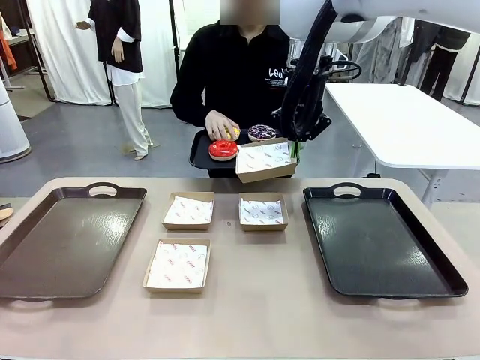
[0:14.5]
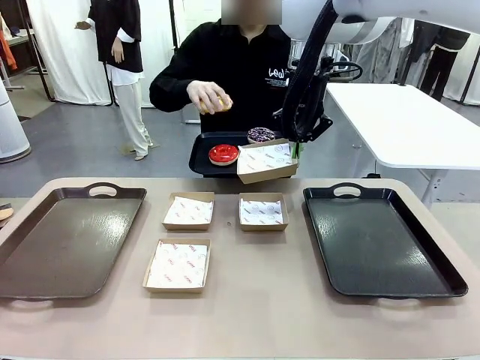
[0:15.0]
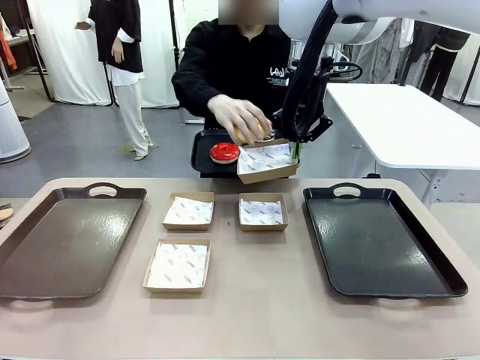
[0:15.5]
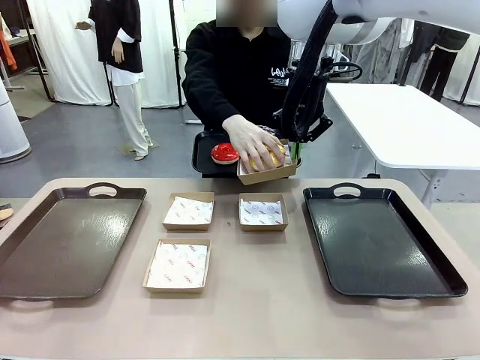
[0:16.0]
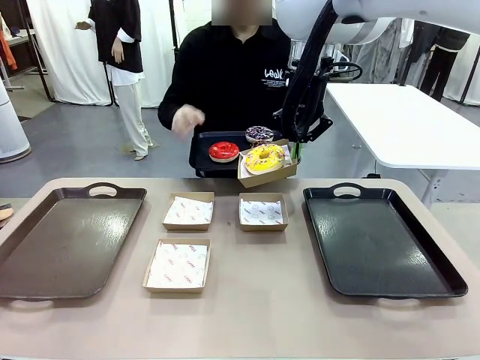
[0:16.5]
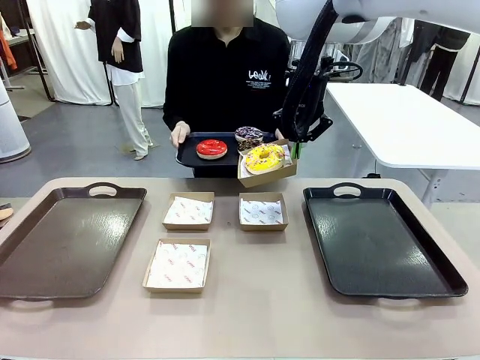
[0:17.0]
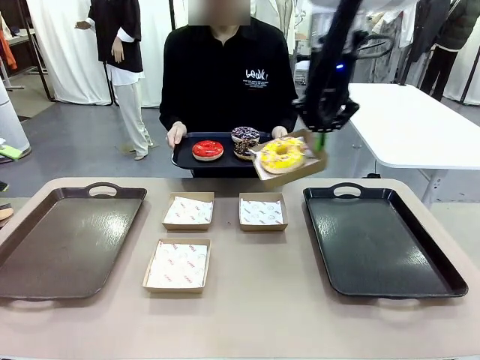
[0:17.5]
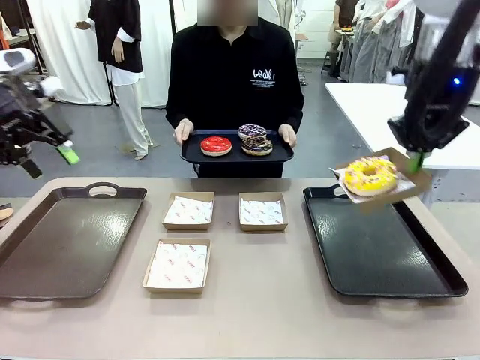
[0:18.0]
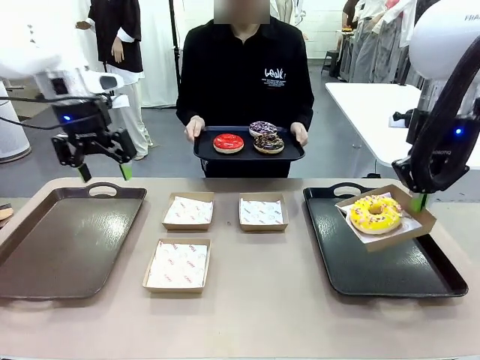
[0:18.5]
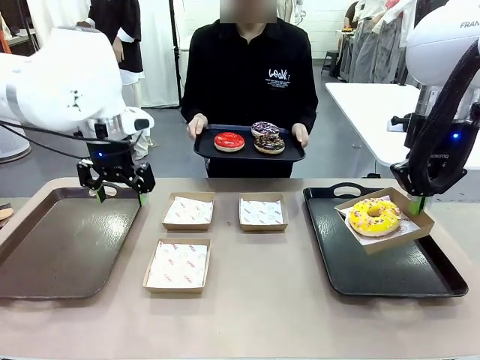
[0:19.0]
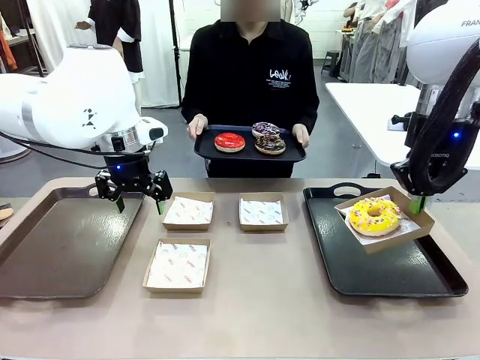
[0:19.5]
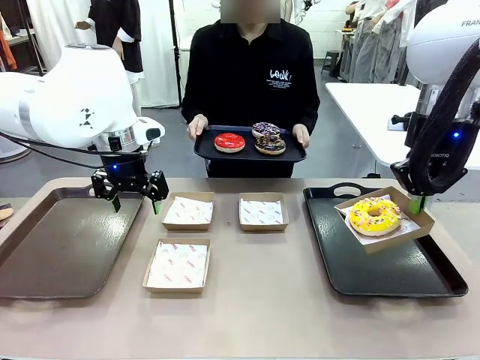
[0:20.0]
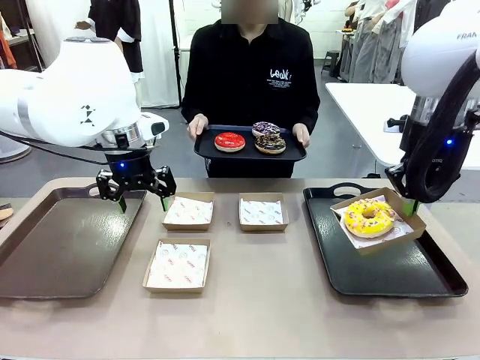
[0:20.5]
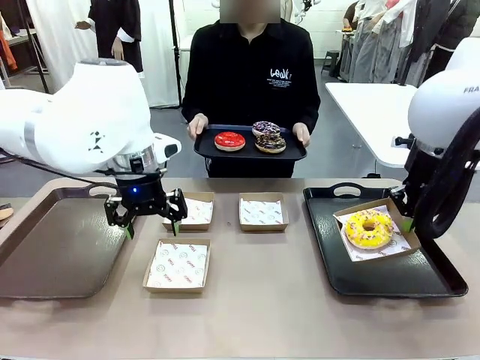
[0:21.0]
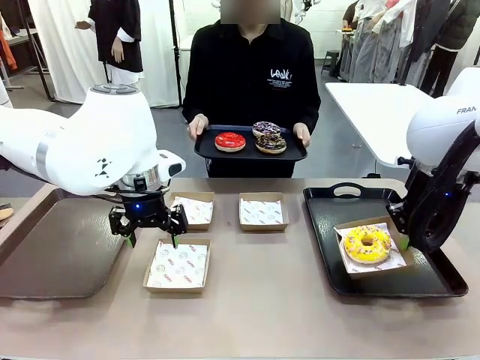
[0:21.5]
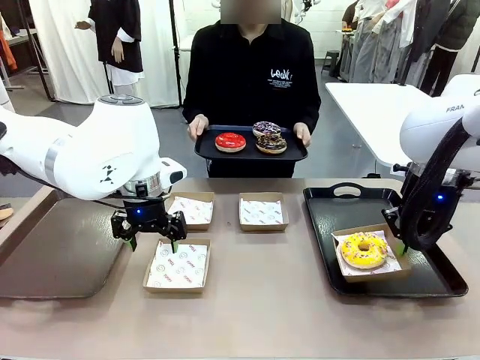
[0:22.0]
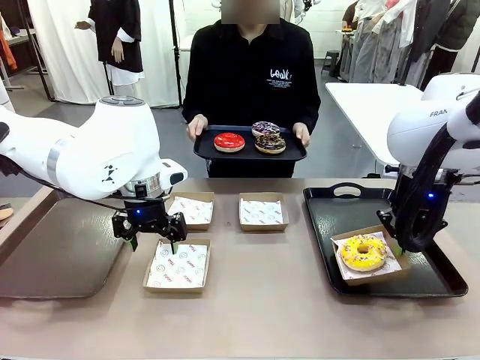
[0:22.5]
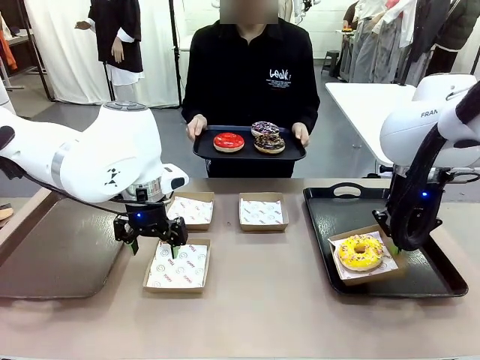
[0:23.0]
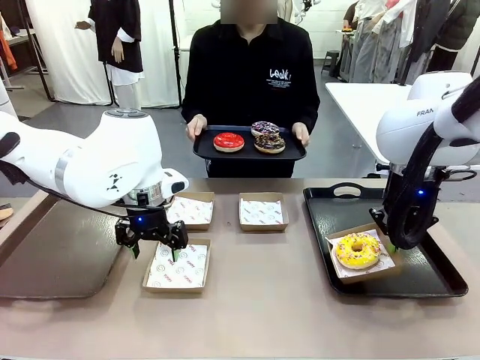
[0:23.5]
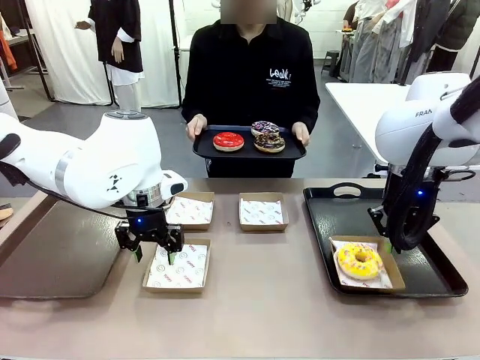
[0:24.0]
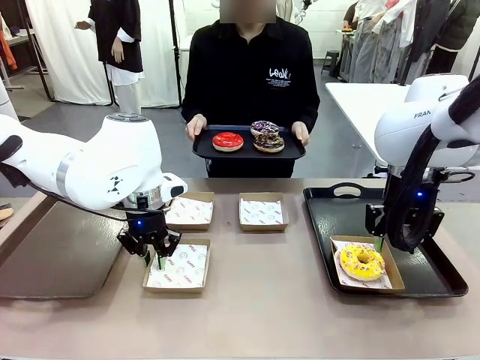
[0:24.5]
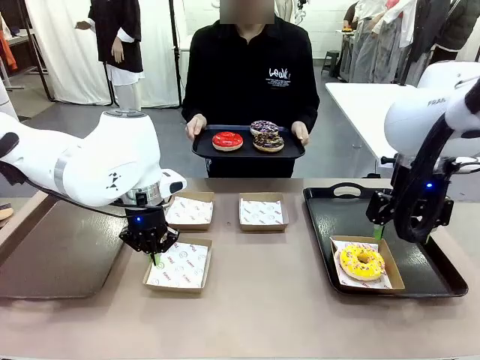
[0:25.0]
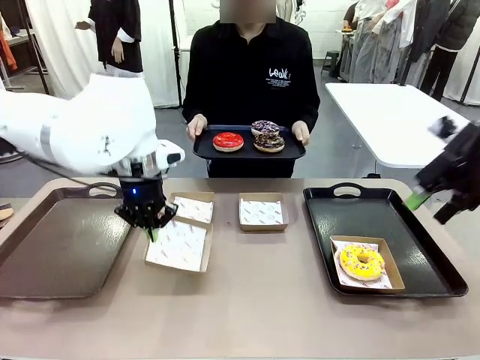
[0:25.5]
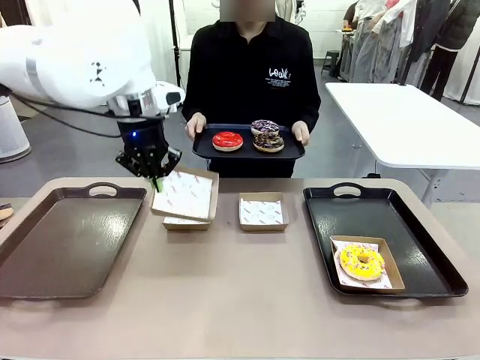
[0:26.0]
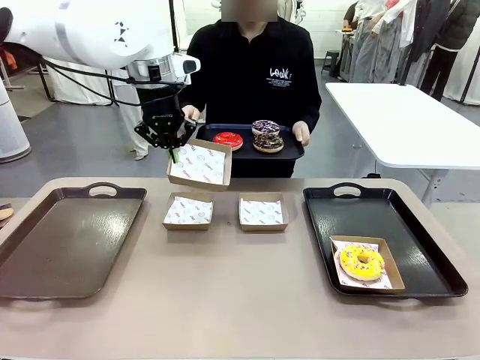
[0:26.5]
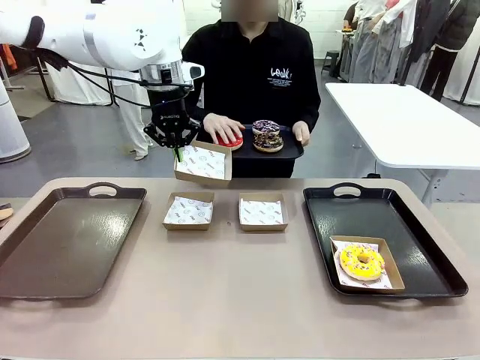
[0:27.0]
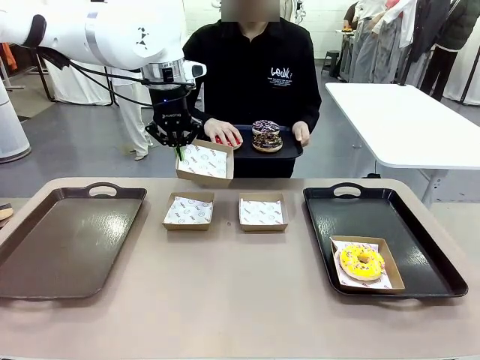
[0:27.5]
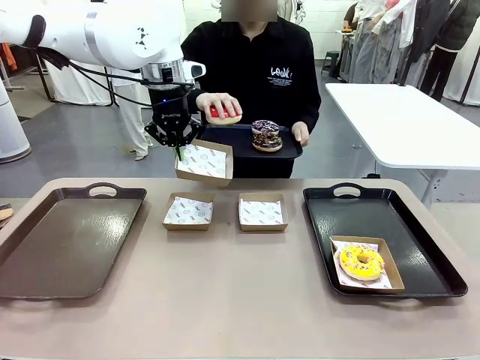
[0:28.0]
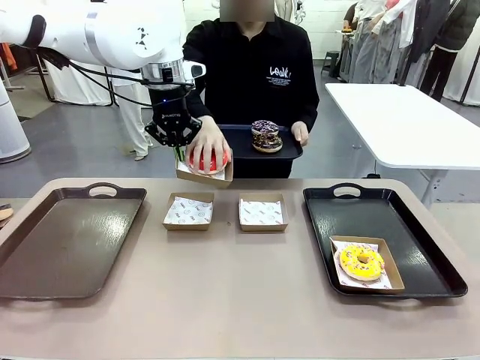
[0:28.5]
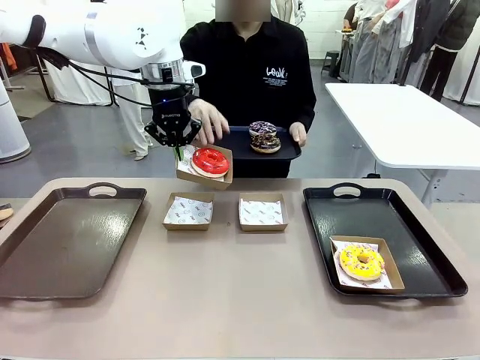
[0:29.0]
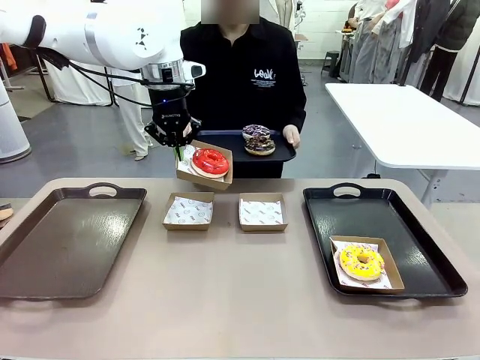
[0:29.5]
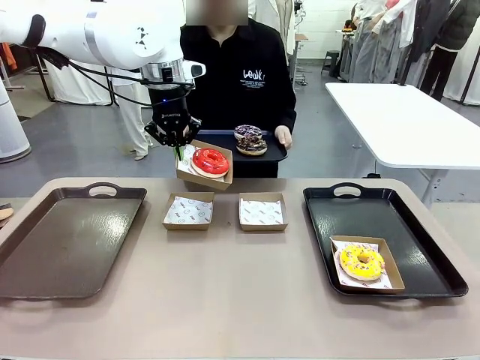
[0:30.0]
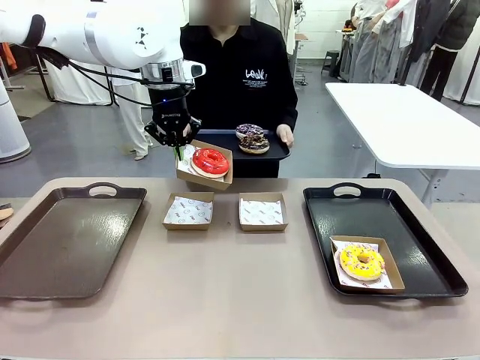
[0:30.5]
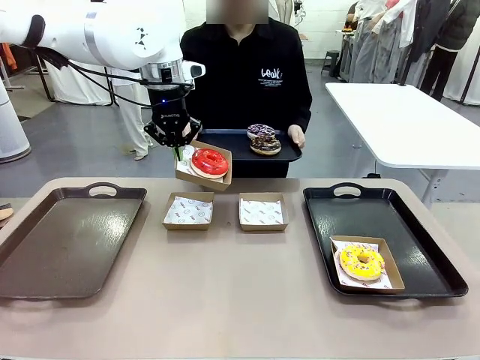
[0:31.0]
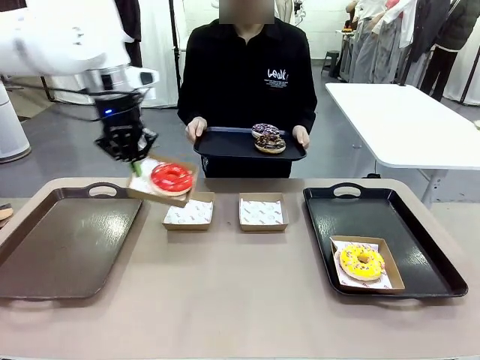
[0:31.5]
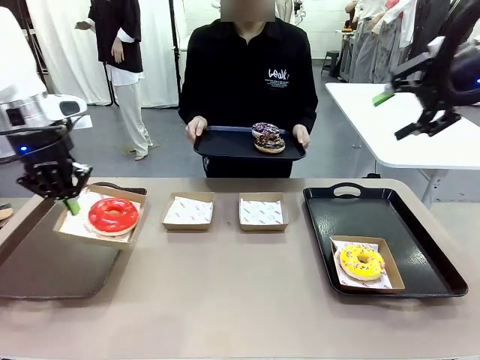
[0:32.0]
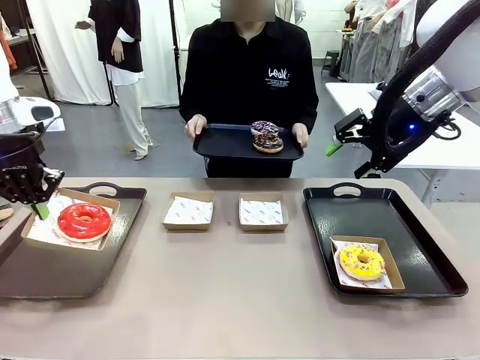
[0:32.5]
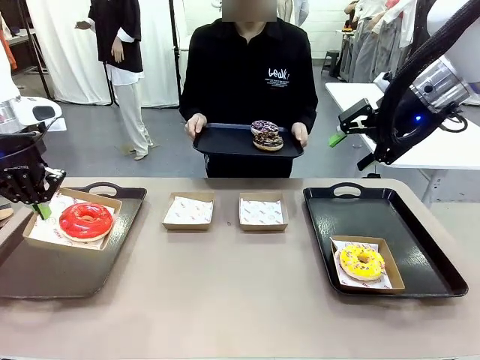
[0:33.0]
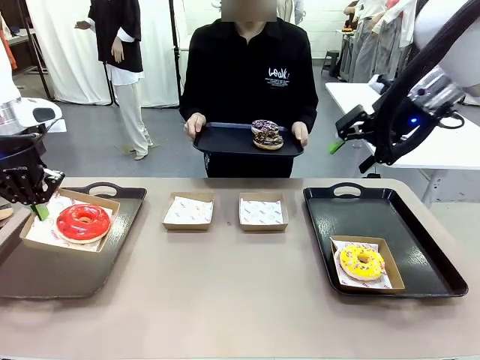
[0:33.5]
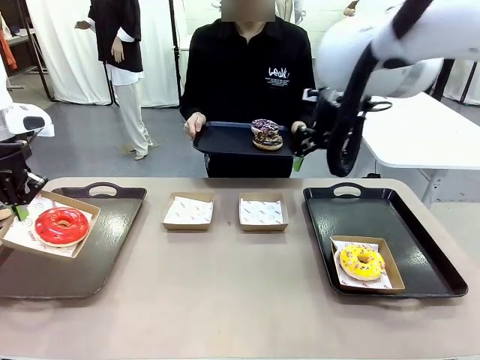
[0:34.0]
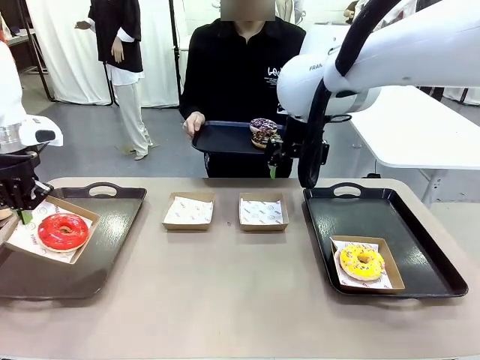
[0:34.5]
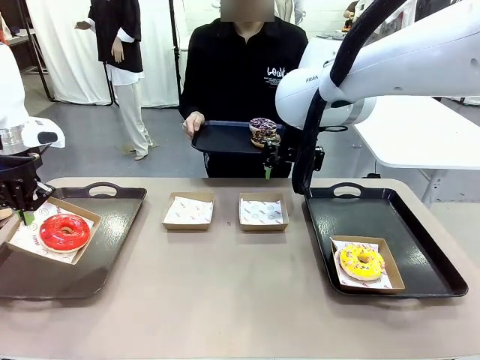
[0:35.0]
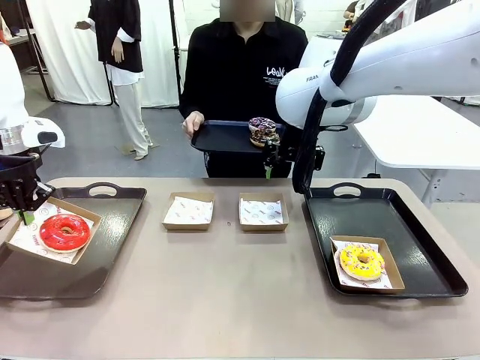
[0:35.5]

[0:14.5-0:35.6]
Task: Individually package the donuts and arrange them on the tray.
Robot: Place the picked Paper togo box on the Handle tray while simultaneously picking up another Paper togo box from the table with the other hand.

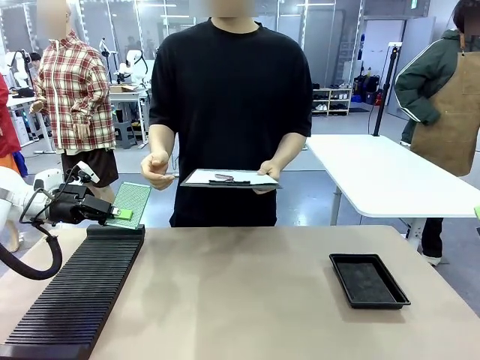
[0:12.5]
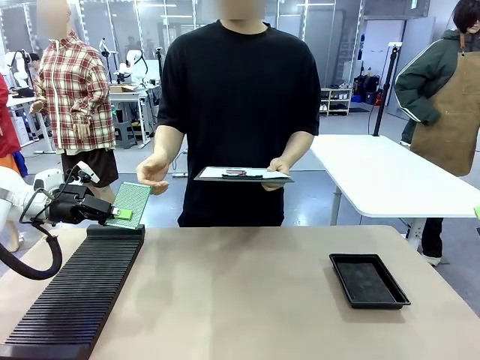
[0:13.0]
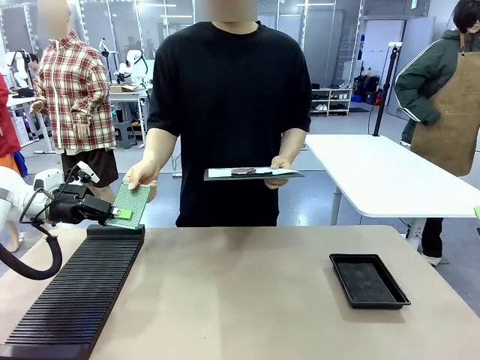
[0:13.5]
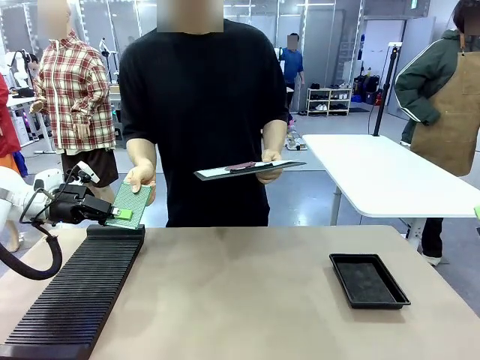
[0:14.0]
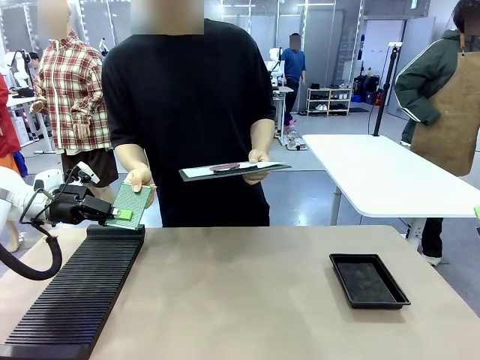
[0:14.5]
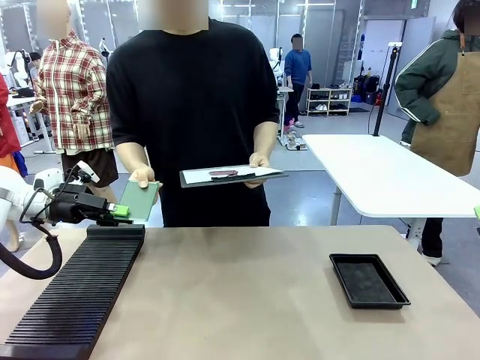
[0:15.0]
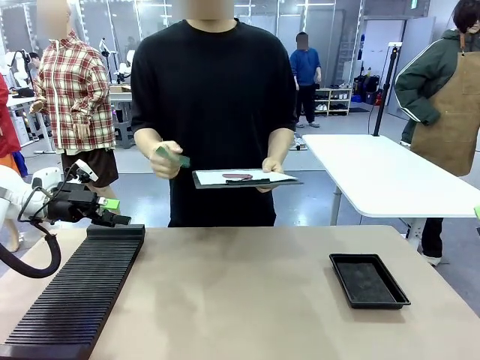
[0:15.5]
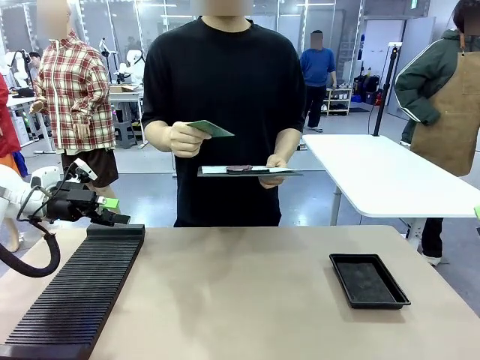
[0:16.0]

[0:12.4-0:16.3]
Task: Inspect the PCB.
Robot: Release the Blank PCB you were holding.
